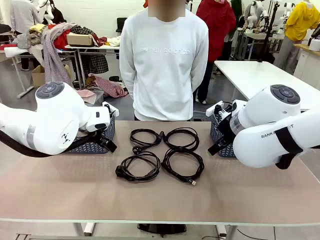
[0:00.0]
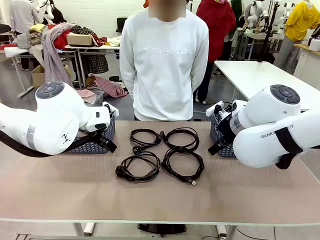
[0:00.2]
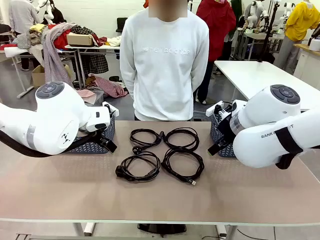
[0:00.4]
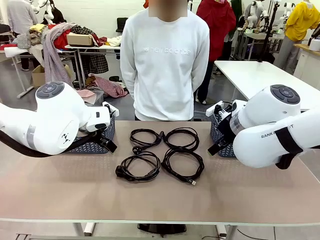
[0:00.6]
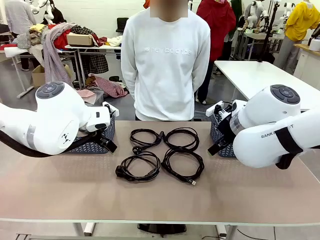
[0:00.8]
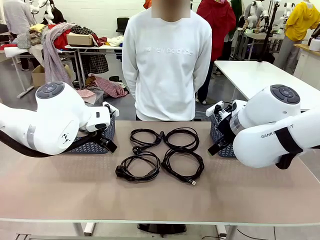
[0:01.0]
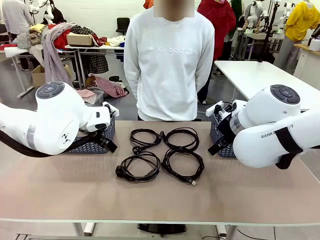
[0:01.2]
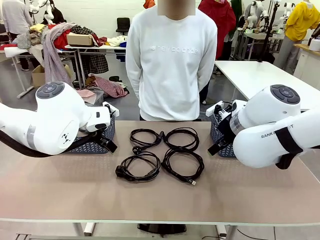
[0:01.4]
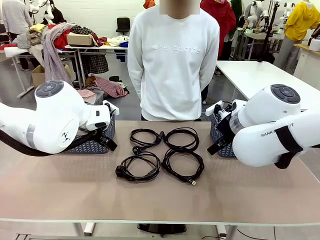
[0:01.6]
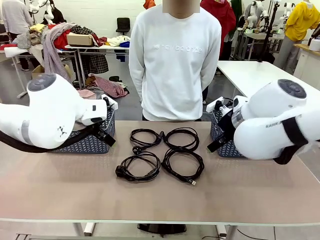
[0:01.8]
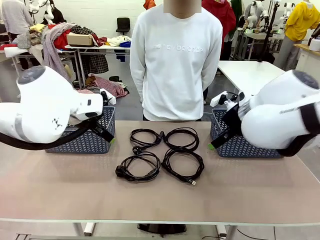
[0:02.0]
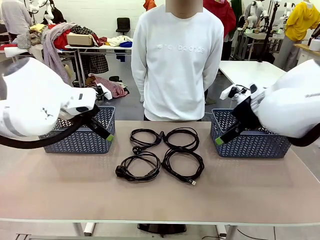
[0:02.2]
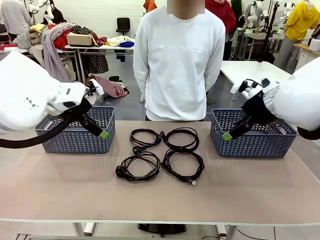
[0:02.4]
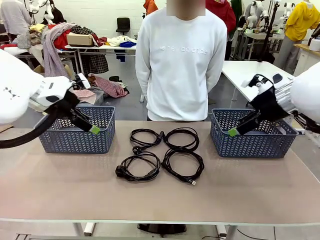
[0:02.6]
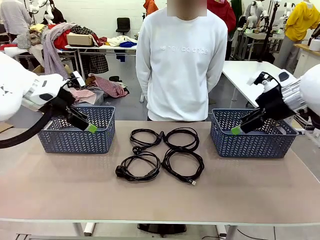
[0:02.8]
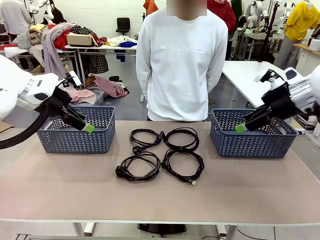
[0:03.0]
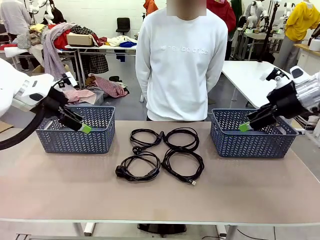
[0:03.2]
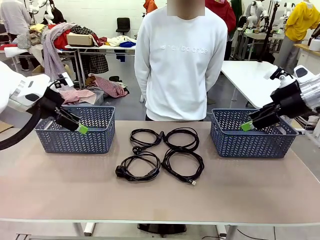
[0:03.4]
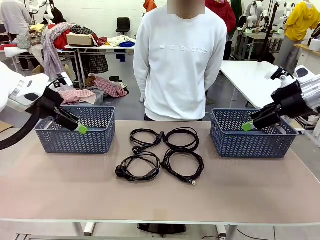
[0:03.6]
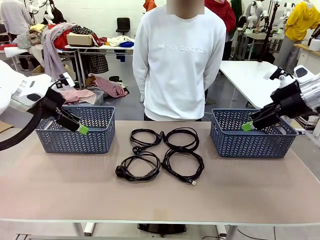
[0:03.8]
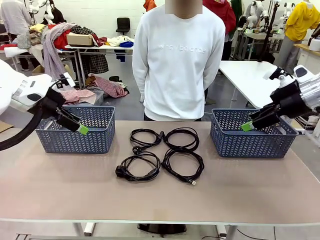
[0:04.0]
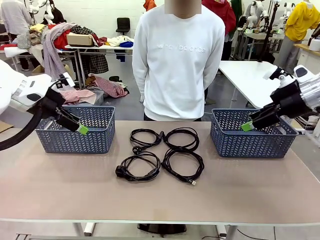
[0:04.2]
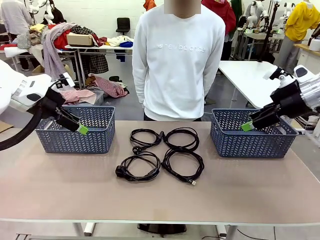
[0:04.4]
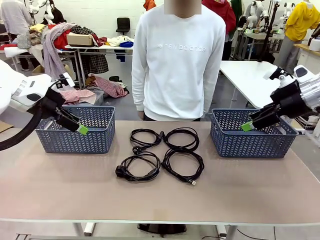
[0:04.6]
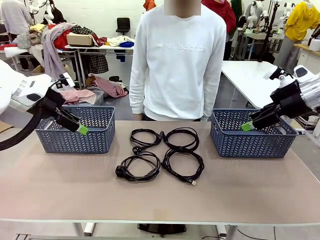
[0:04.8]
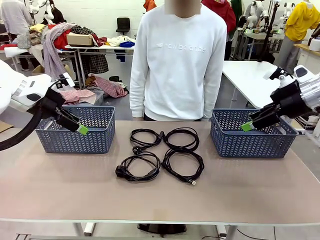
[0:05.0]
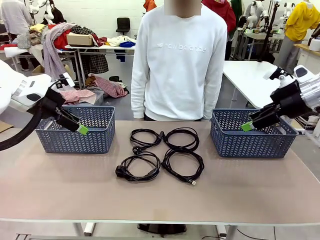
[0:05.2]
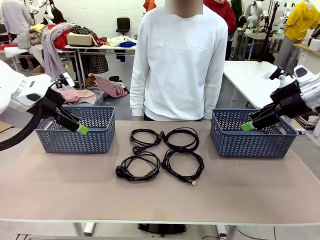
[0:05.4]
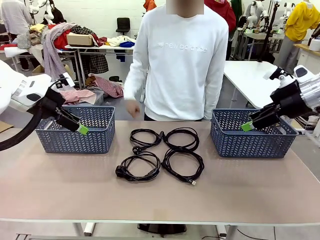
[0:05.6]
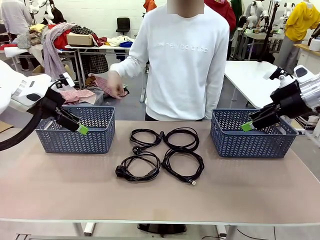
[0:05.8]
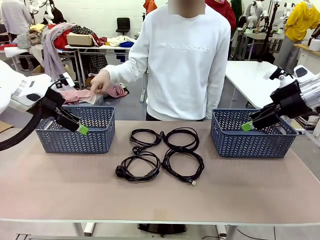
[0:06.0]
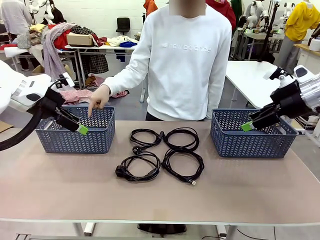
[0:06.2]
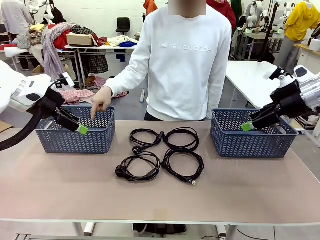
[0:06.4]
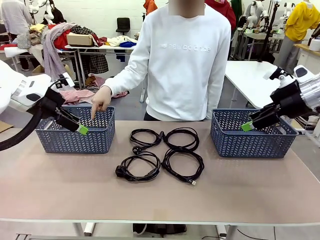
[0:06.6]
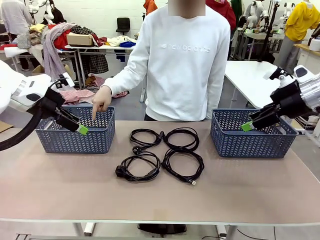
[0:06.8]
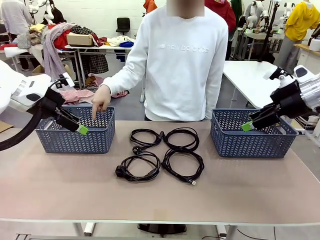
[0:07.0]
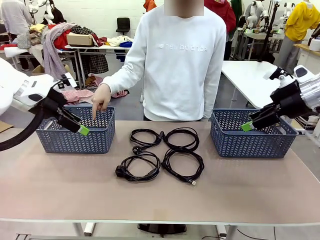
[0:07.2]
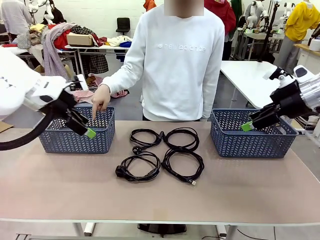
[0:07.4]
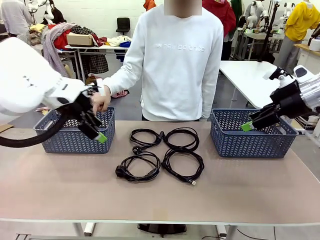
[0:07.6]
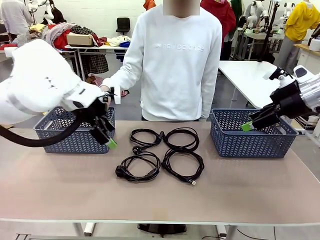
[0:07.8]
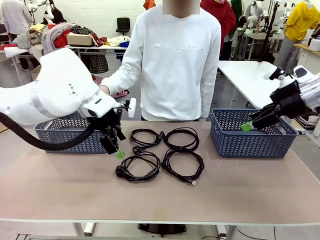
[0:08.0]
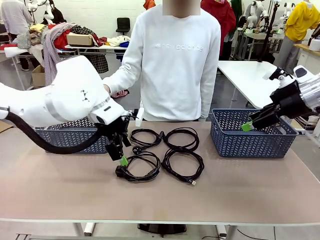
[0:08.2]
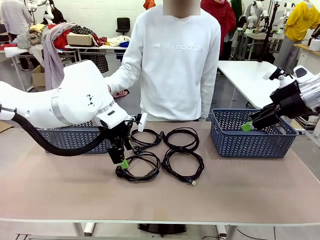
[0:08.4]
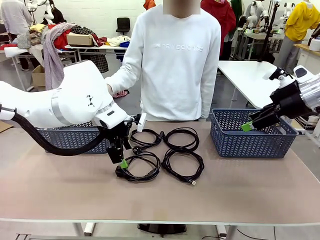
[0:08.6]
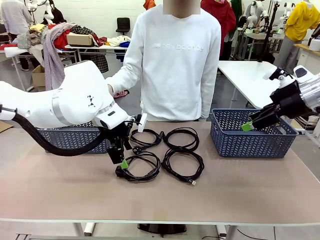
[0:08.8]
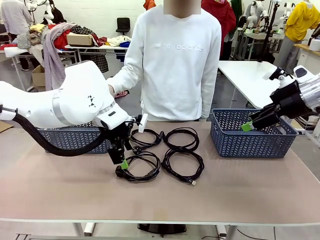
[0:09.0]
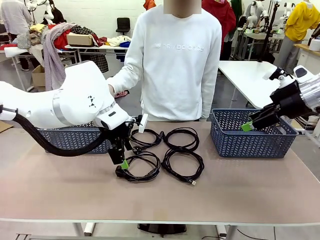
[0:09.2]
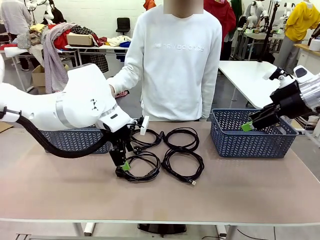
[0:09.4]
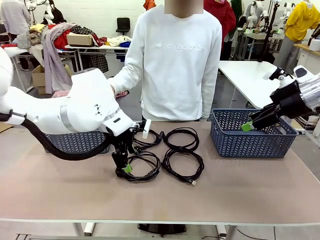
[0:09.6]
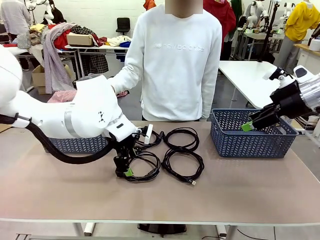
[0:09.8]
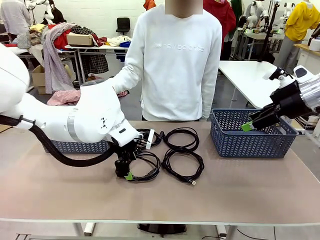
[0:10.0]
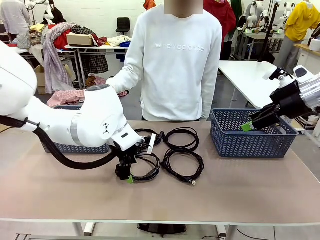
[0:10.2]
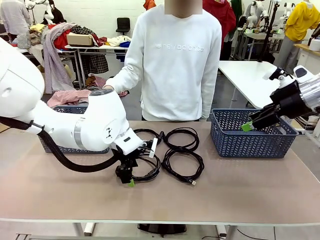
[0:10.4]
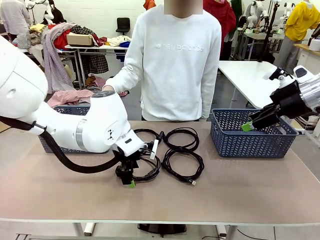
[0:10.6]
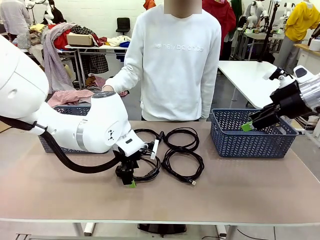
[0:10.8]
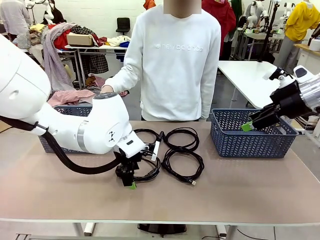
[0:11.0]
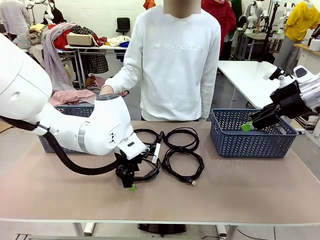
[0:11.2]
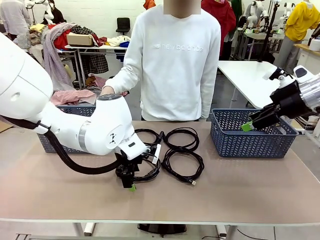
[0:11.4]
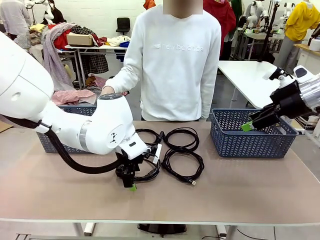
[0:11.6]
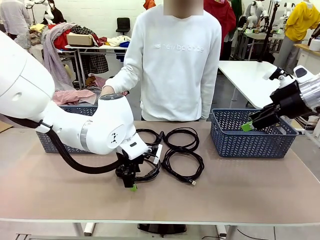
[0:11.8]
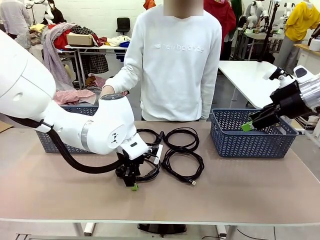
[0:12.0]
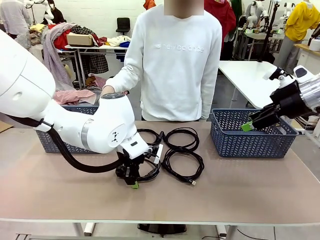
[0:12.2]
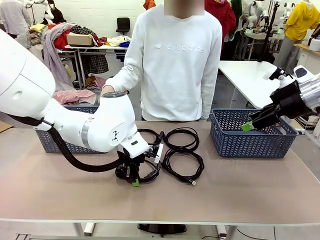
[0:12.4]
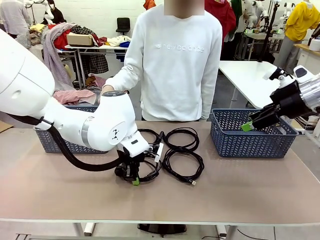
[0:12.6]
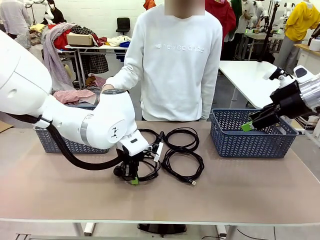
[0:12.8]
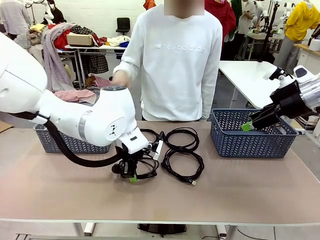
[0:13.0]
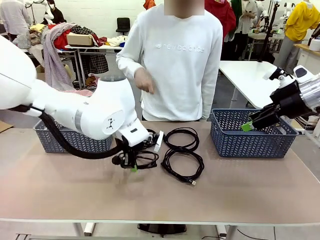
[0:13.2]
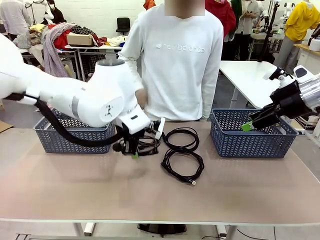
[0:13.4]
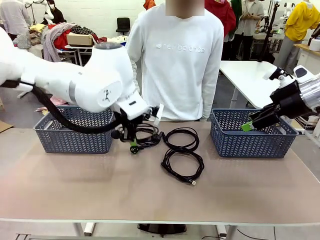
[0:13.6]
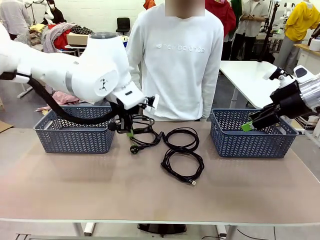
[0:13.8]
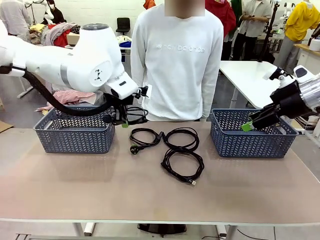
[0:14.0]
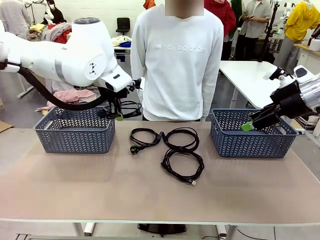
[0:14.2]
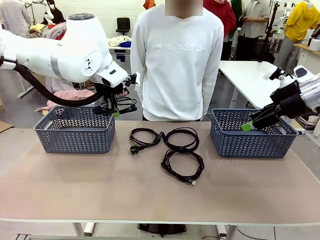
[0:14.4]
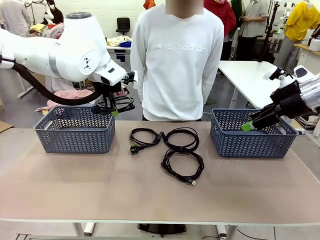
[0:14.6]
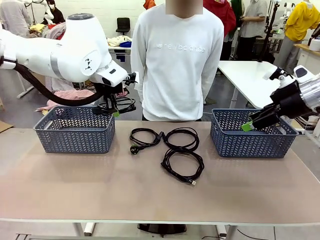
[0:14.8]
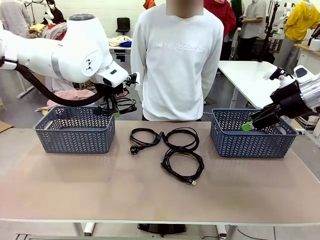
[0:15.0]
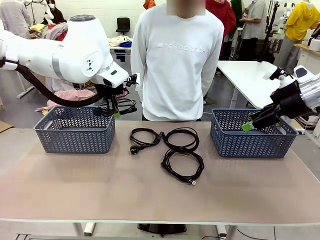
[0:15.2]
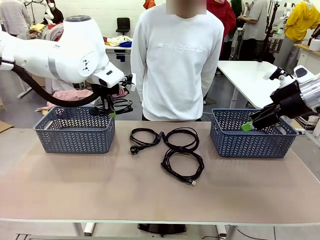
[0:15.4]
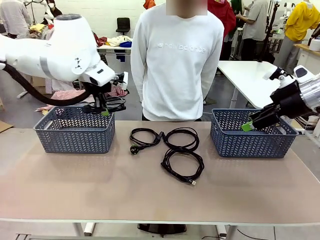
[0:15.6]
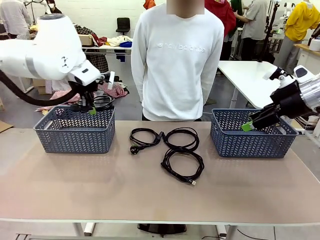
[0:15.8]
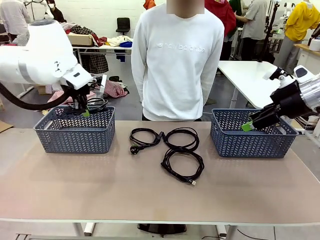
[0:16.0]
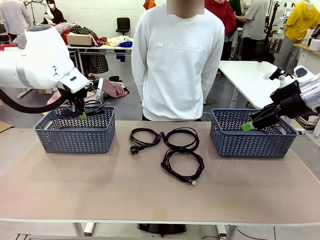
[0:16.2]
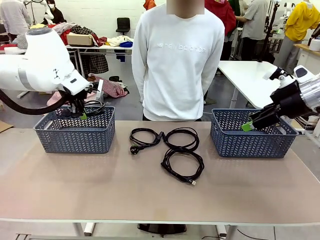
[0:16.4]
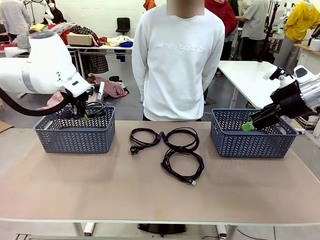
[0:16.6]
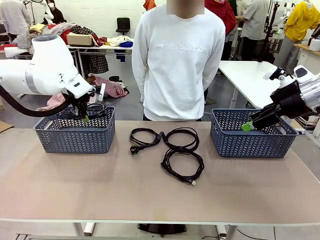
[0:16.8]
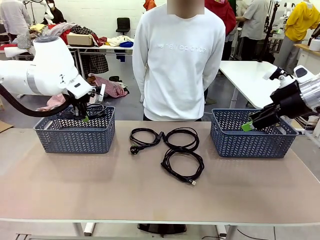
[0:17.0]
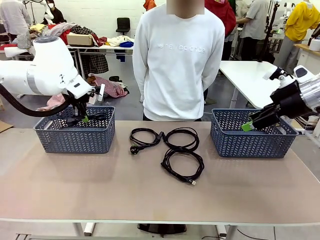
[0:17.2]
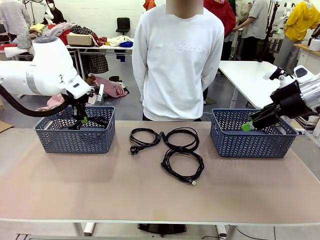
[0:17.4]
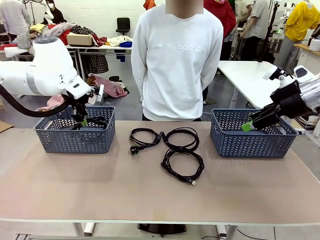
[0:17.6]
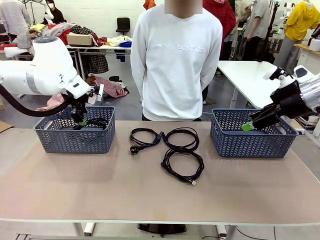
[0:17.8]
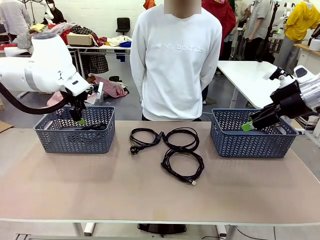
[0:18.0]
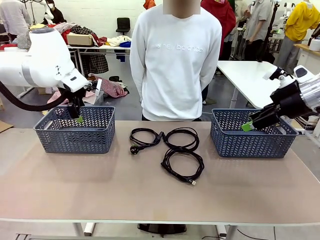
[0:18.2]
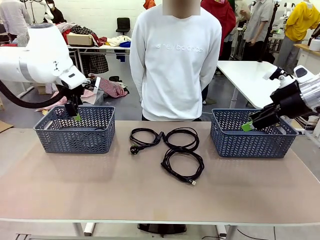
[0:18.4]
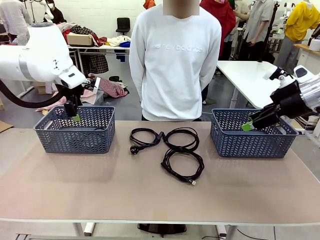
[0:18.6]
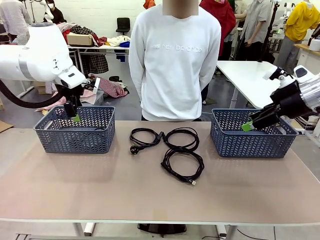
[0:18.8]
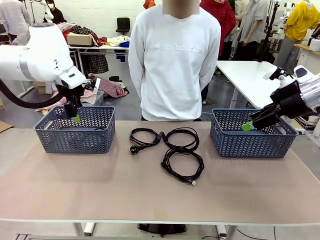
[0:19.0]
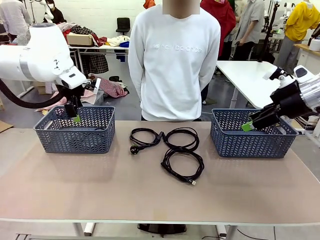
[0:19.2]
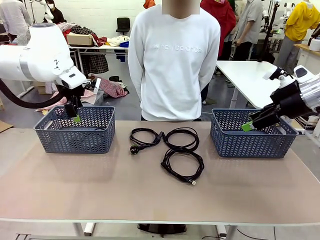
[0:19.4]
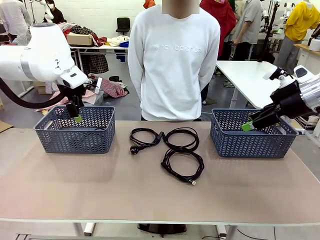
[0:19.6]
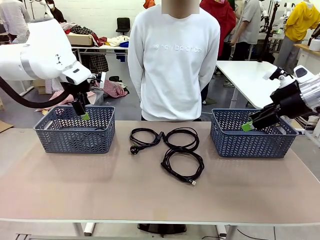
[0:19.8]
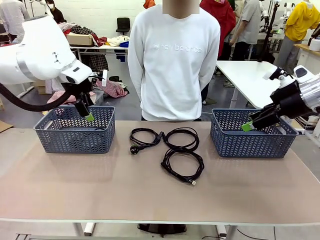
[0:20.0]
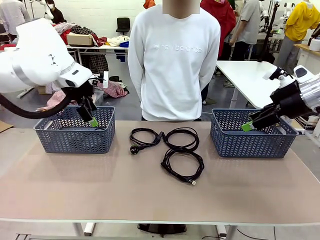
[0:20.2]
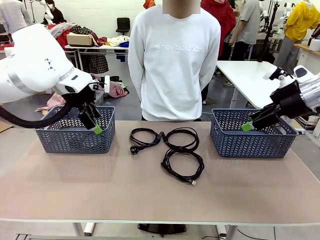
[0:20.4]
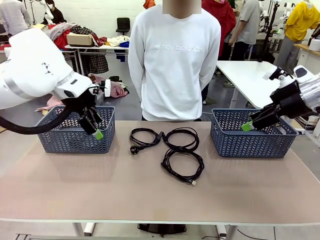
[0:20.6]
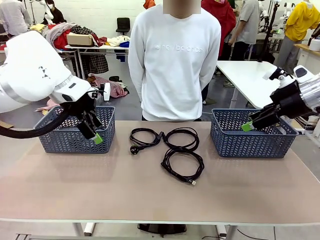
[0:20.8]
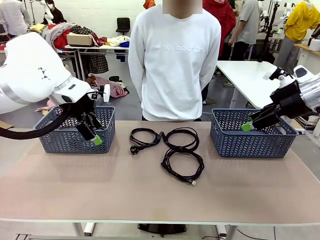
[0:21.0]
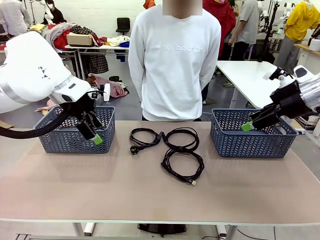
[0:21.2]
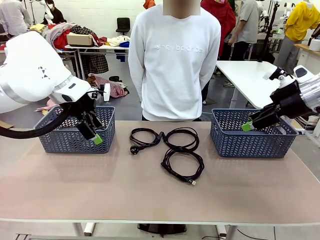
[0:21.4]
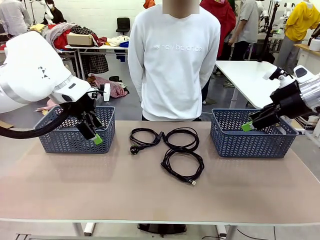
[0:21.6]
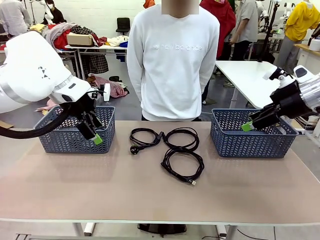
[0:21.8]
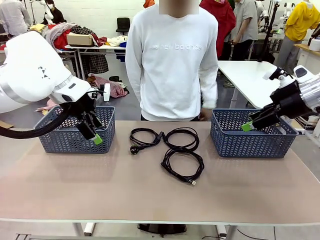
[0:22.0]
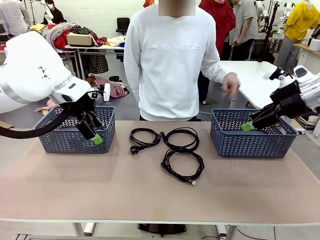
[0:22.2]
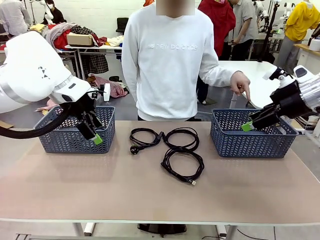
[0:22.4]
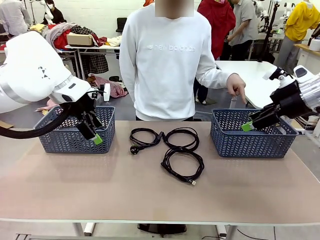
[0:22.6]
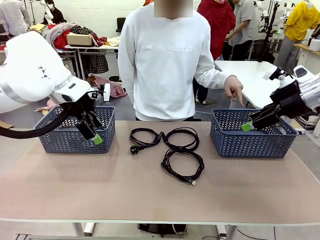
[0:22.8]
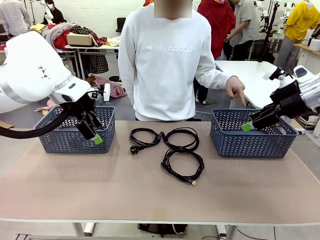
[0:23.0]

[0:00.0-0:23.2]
Task: Organize the cables according to human instructions.
Robot: Pick up a bundle of cables and place it in the basket indicated by the human.
